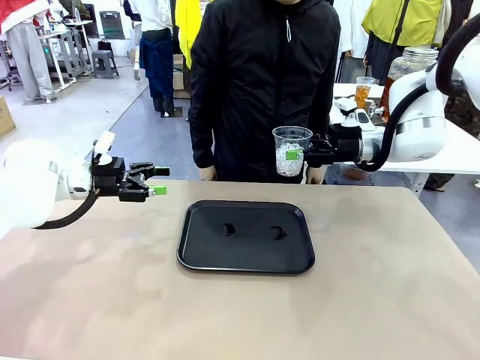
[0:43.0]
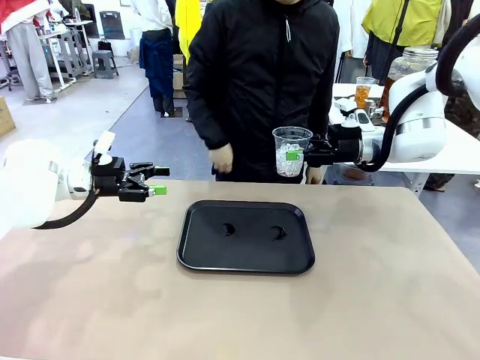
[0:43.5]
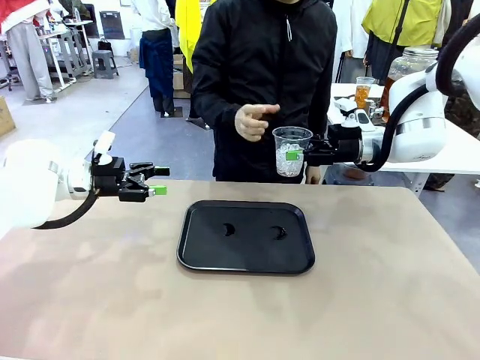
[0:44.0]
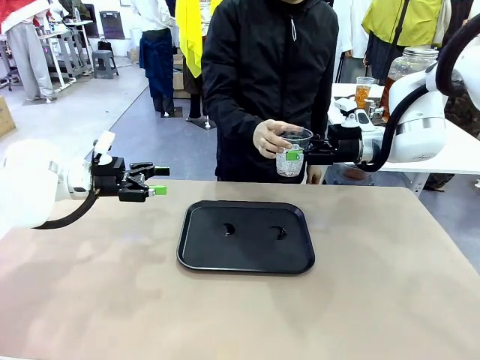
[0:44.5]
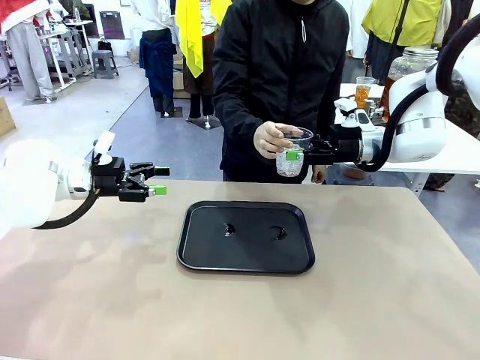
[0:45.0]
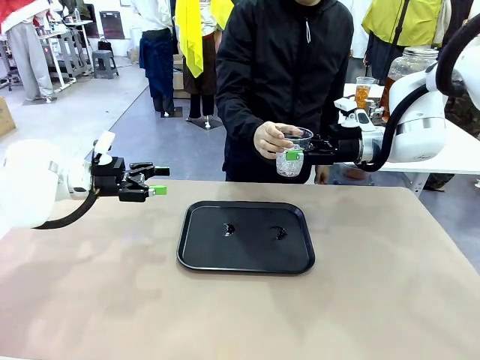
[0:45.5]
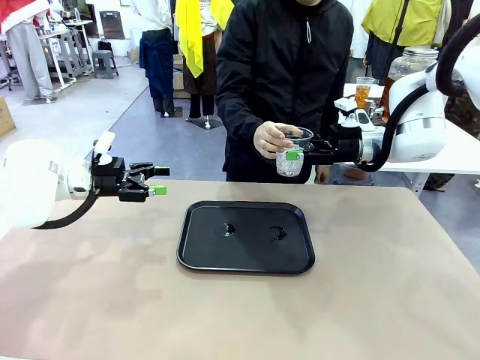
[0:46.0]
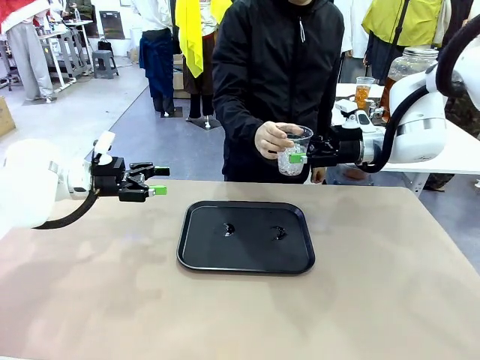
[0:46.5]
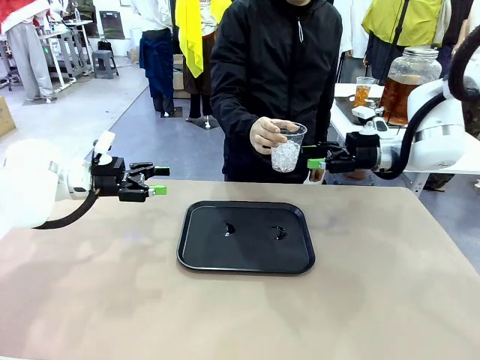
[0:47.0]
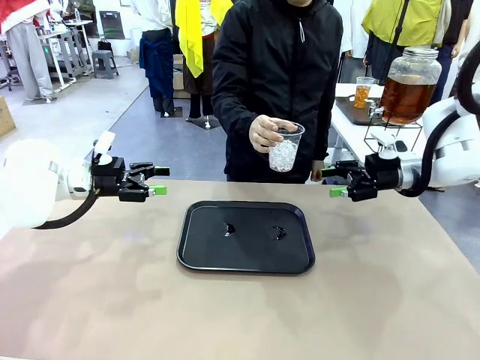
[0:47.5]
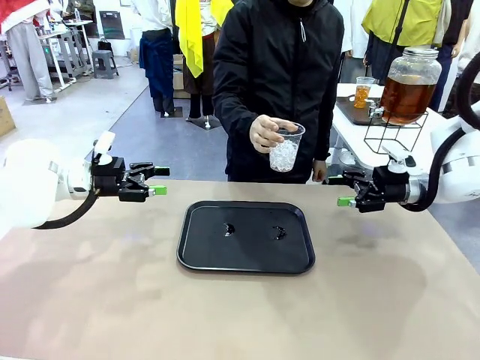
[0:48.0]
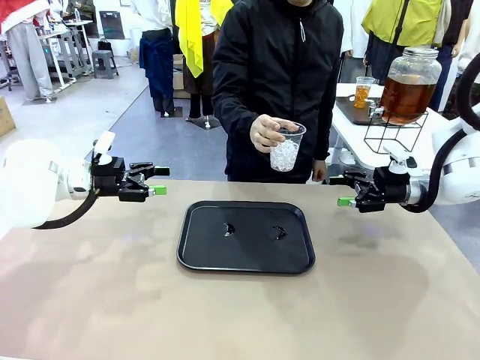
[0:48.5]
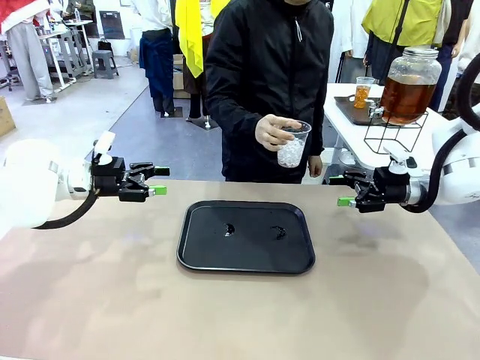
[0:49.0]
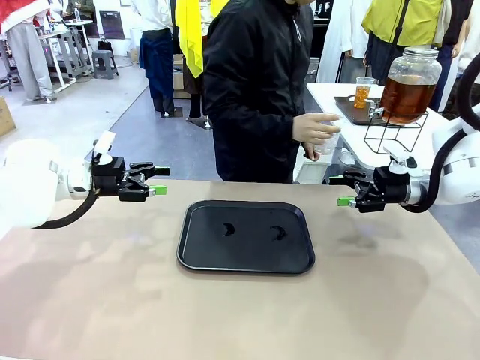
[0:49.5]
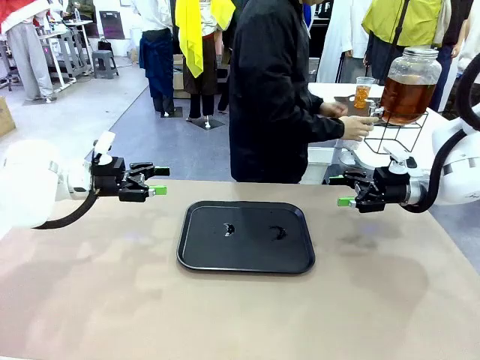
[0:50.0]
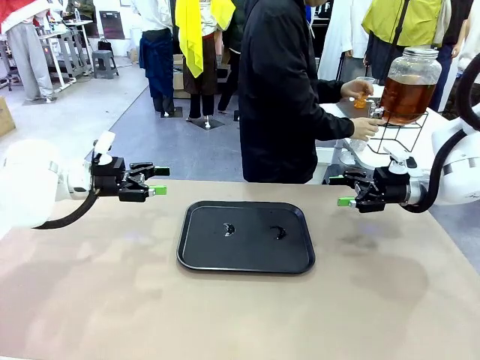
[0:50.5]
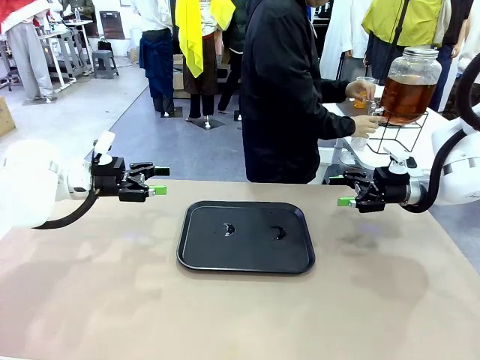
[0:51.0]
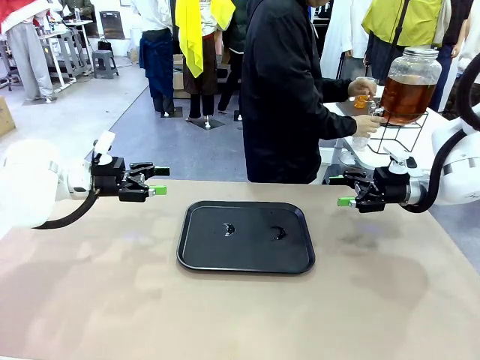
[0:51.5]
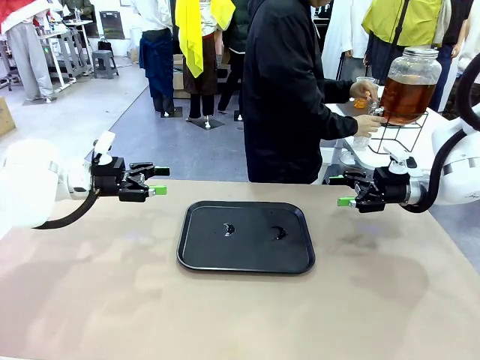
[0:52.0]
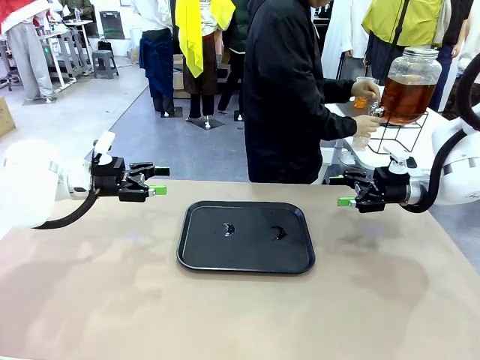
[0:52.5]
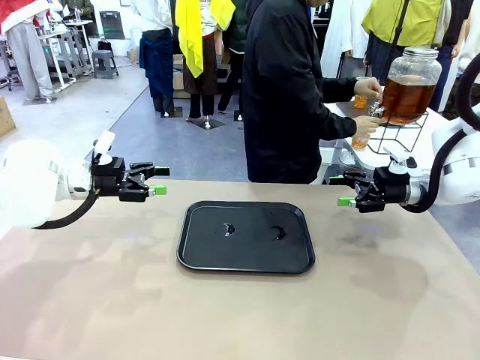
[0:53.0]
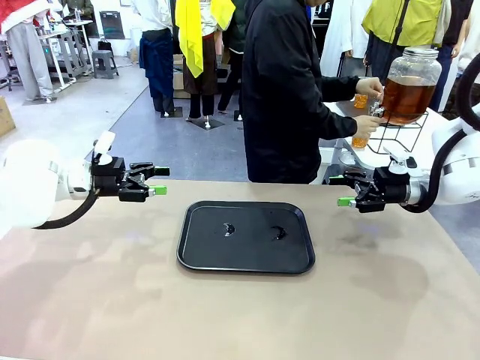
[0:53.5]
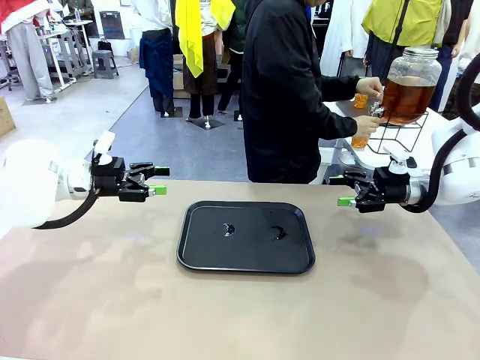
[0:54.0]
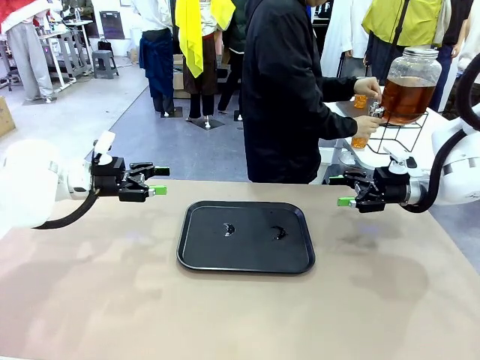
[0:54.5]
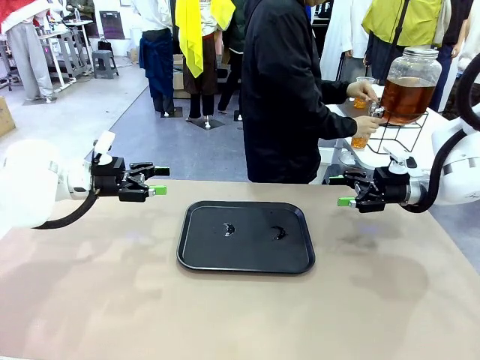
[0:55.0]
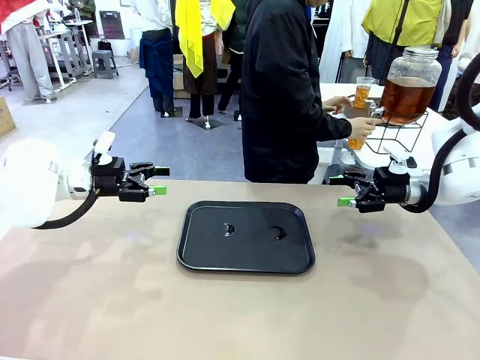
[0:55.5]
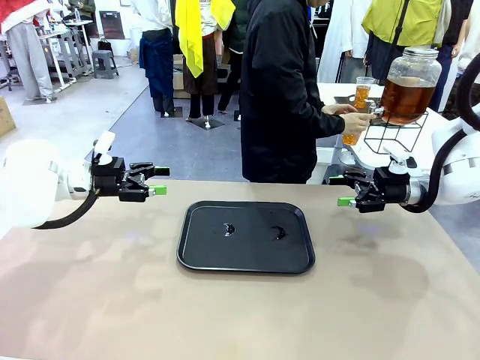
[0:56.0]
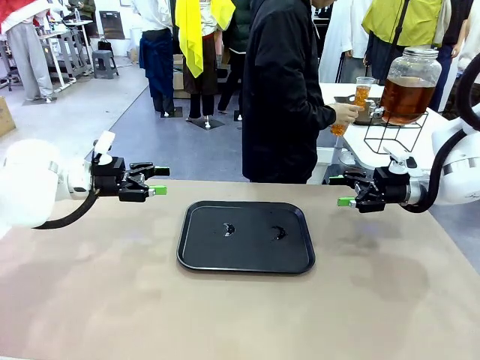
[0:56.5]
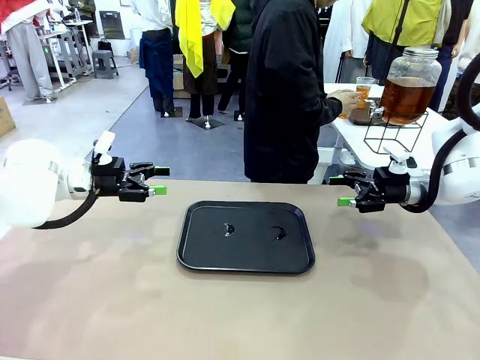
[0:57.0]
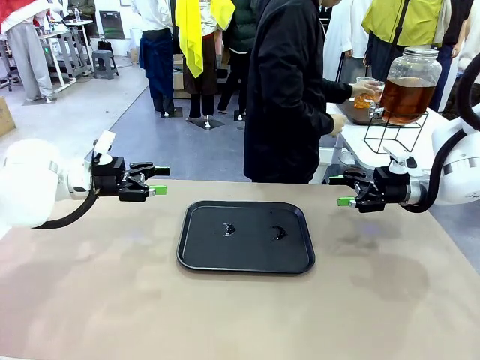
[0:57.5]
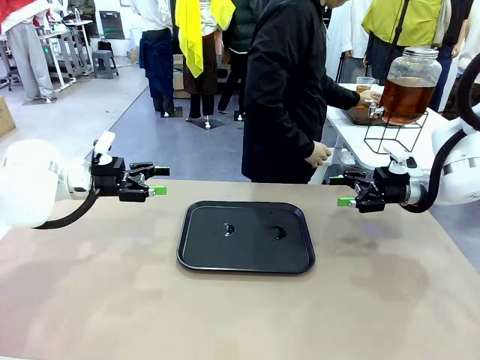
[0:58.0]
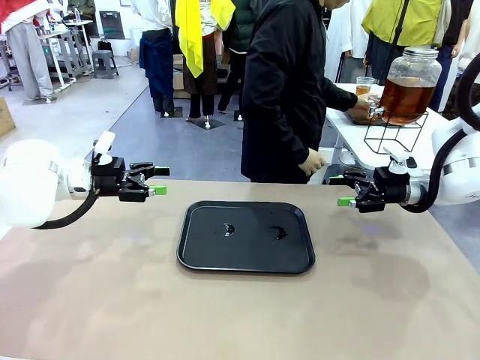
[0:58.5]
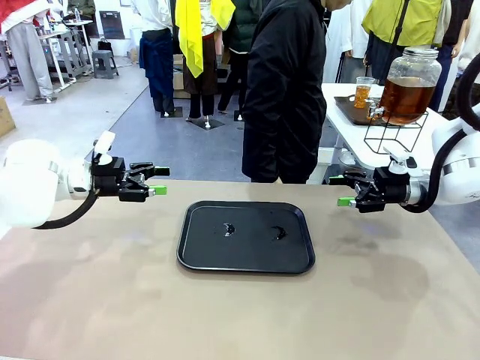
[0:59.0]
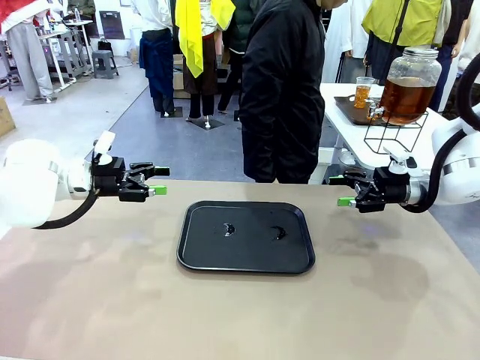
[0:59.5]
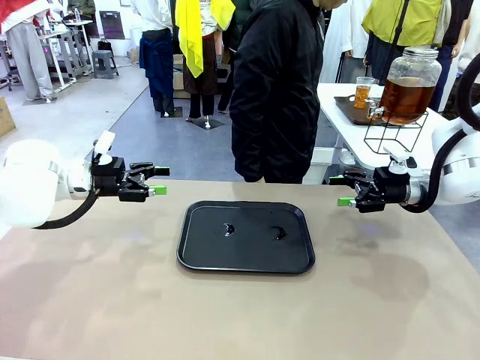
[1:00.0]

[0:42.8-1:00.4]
Task: Pour the drink into the iced cup.
Robot: Open the gripper to release the iced cup you were holding.
Person: Move the picked-up cup under the dispenser faucet, pour the drink, and place it on the tray on the human table.

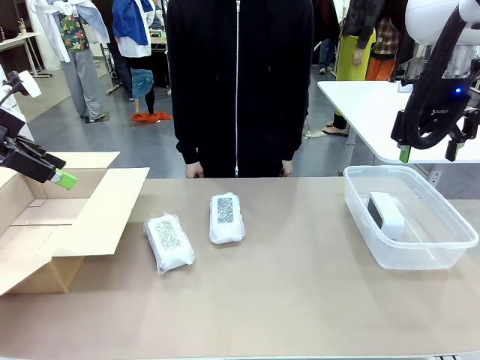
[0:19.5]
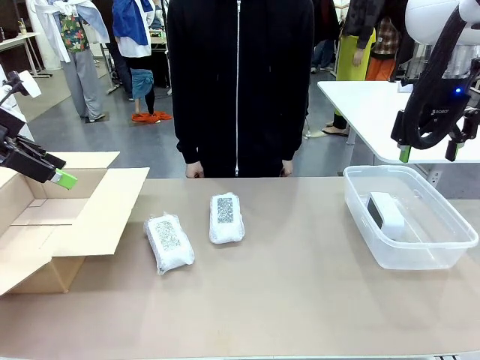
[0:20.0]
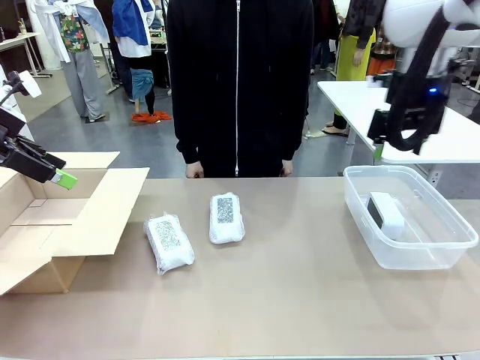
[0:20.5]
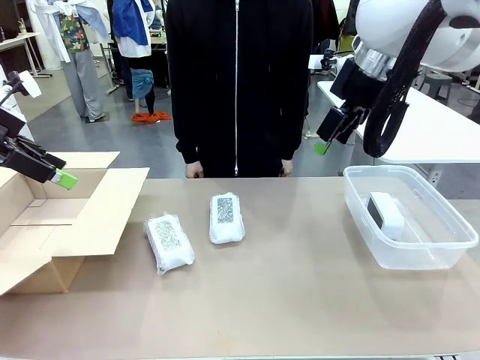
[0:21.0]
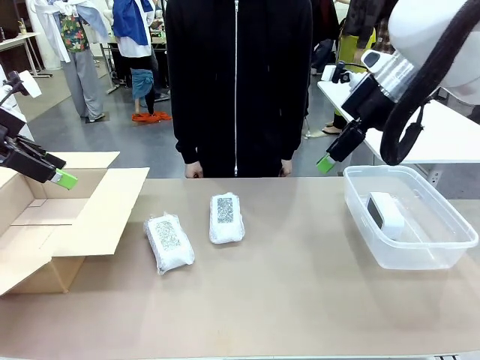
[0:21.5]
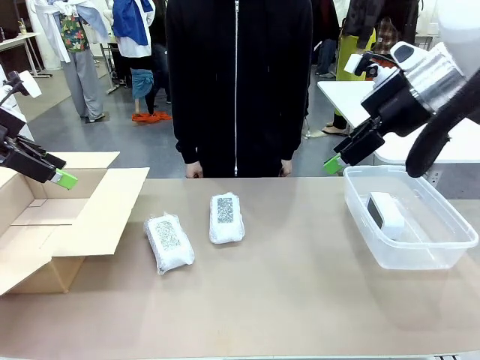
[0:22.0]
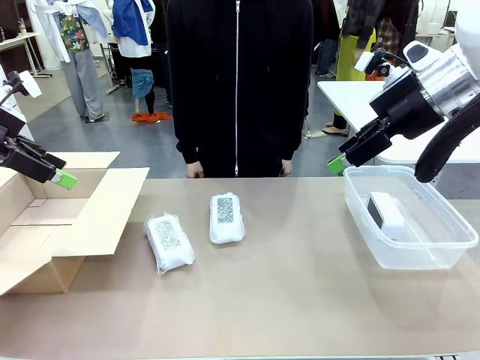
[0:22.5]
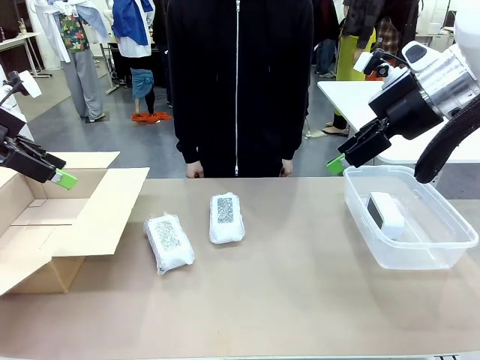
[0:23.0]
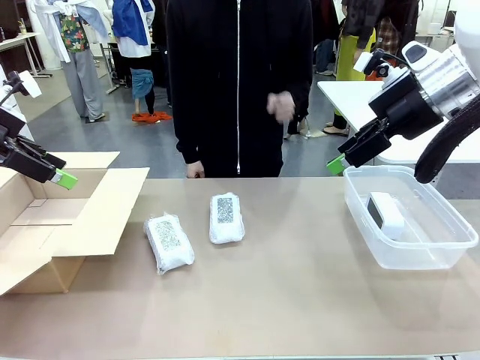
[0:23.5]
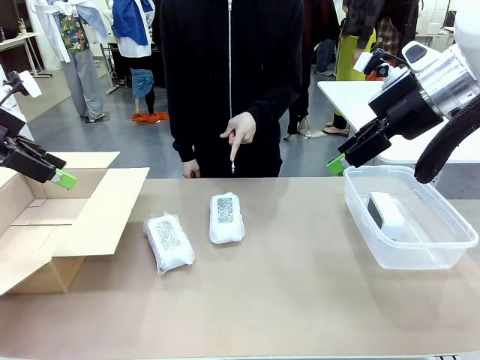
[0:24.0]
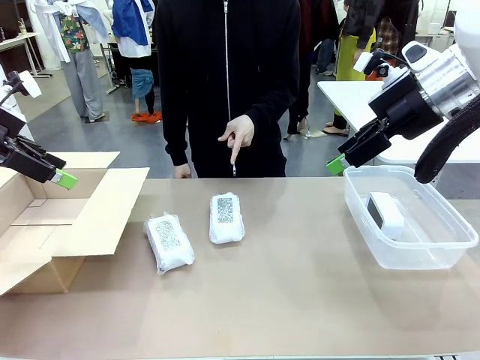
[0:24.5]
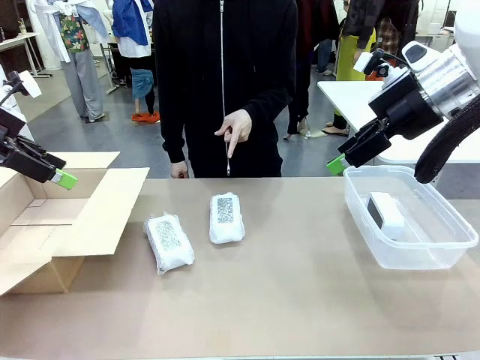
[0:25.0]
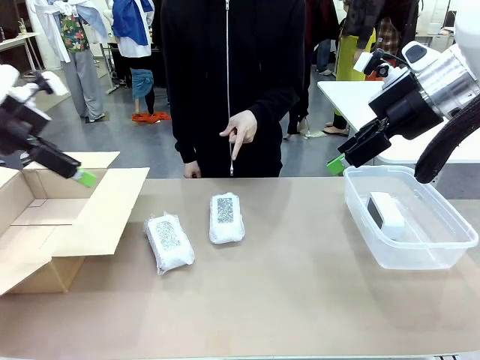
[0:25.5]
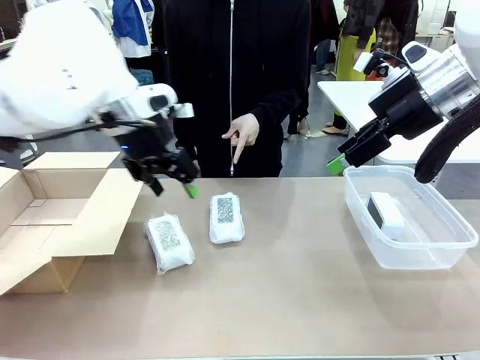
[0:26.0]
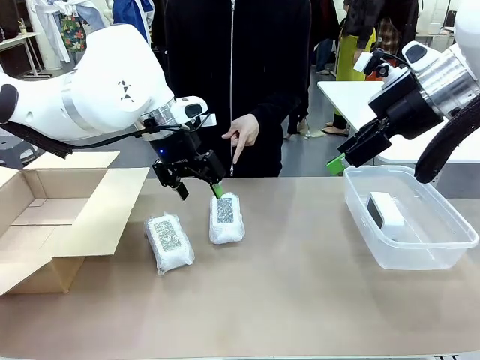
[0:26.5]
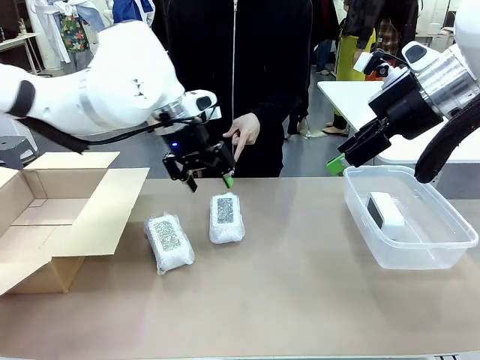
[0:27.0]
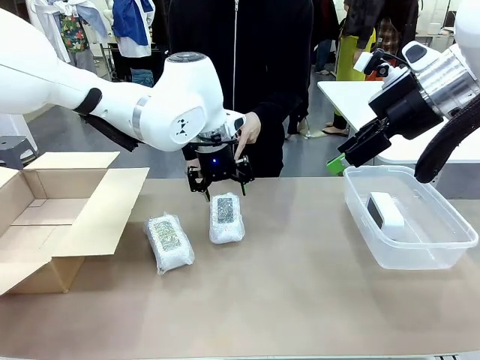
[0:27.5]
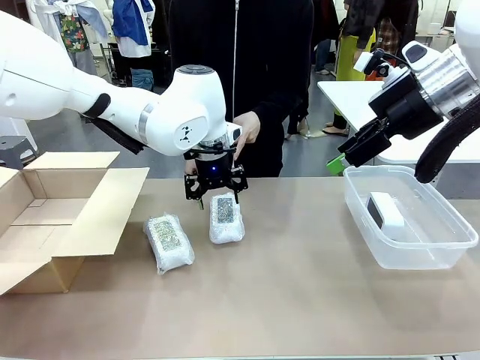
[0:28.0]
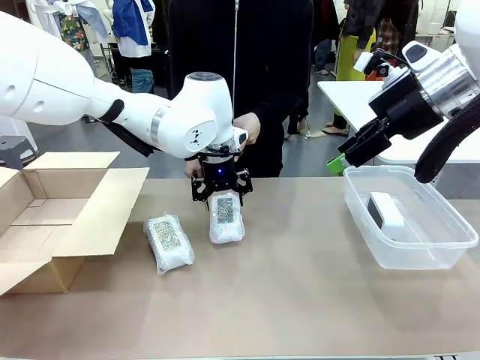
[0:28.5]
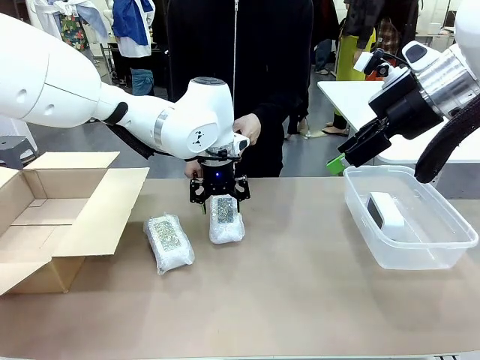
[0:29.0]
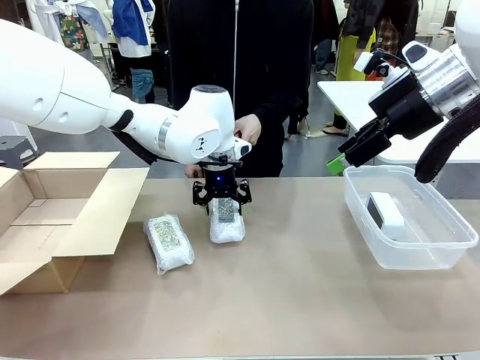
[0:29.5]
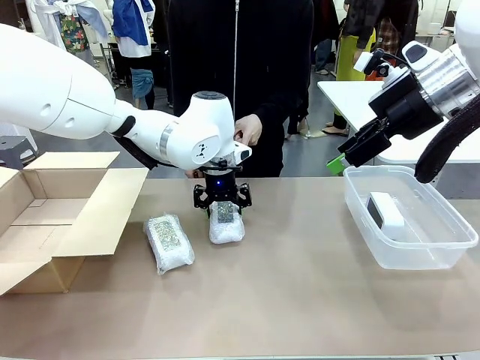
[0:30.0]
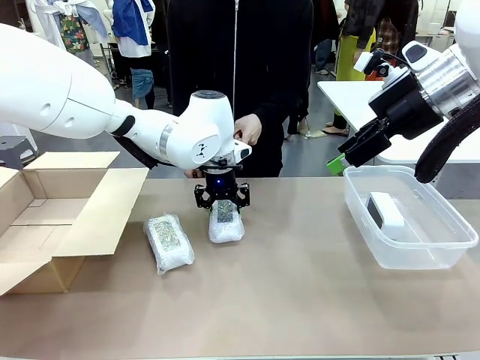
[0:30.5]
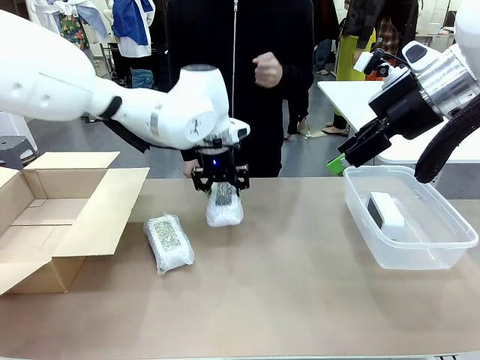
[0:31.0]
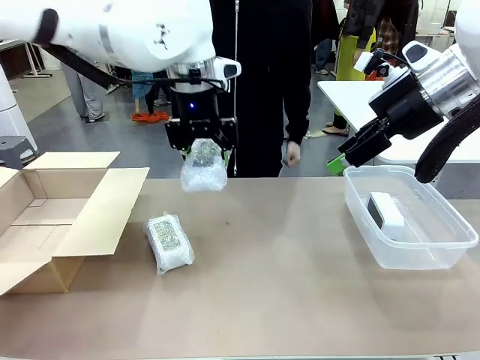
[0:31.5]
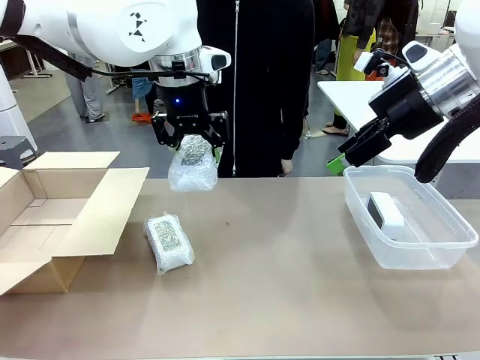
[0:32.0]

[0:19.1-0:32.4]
Task: Separate and place wrapped and unwrapped clocks.
Robot: Pick up the Digital clock indicated by the person.
